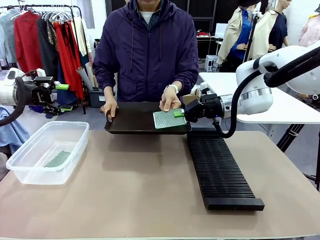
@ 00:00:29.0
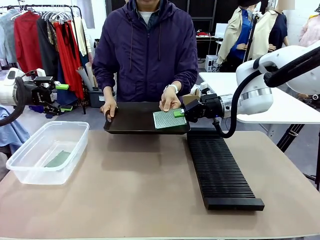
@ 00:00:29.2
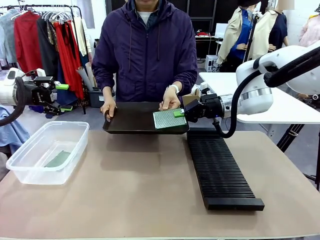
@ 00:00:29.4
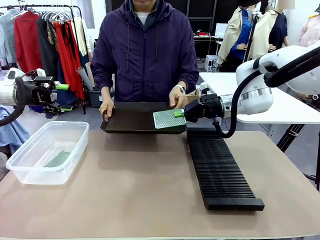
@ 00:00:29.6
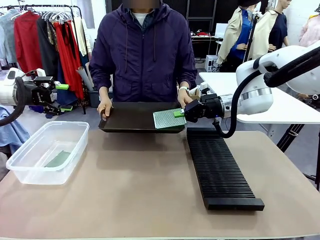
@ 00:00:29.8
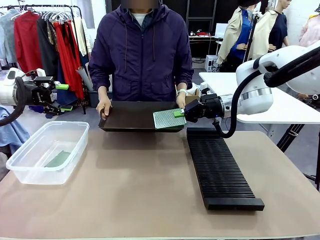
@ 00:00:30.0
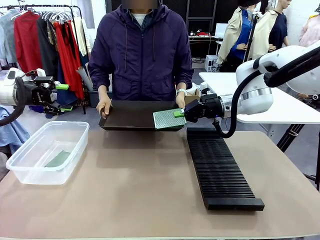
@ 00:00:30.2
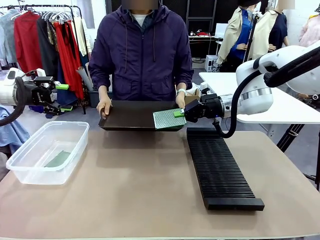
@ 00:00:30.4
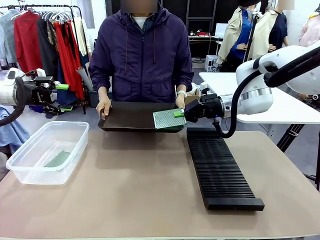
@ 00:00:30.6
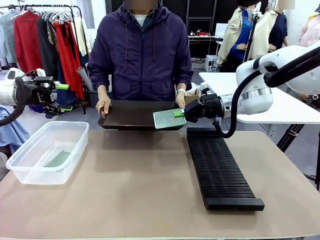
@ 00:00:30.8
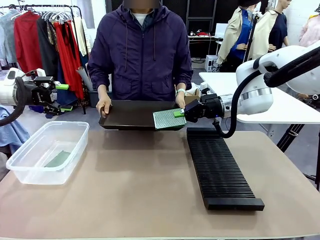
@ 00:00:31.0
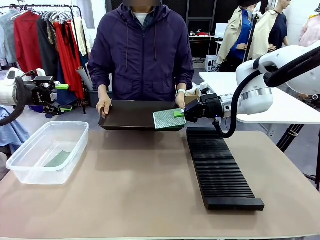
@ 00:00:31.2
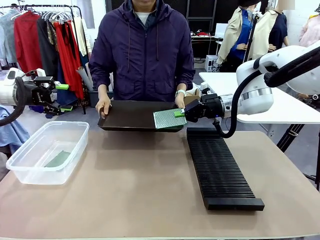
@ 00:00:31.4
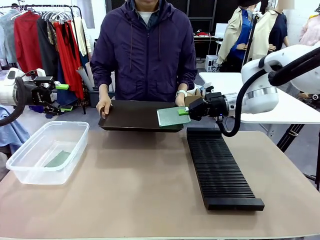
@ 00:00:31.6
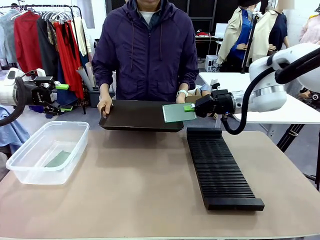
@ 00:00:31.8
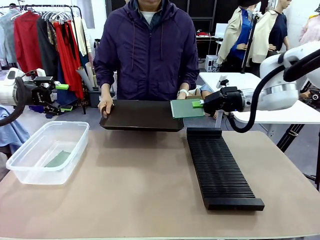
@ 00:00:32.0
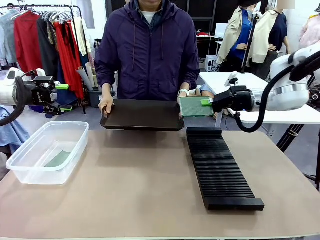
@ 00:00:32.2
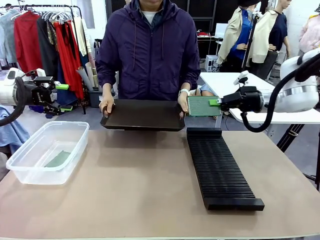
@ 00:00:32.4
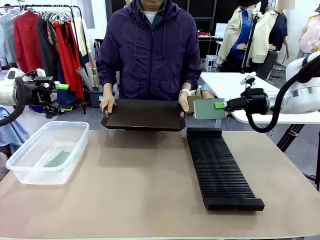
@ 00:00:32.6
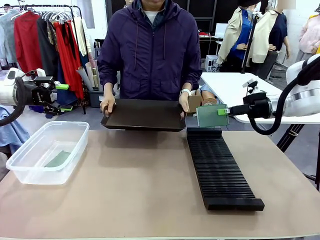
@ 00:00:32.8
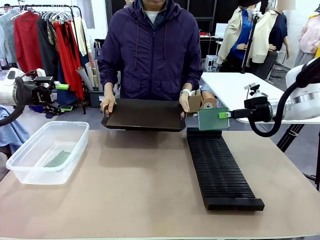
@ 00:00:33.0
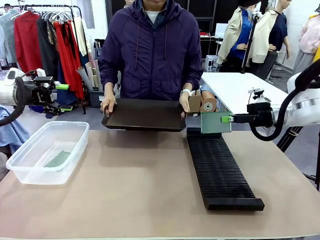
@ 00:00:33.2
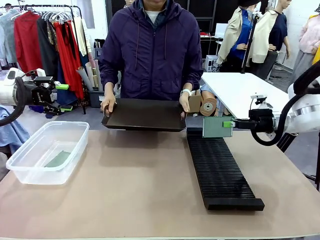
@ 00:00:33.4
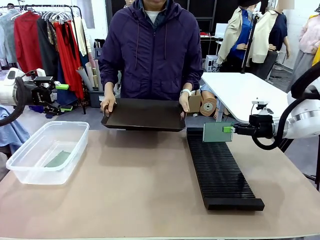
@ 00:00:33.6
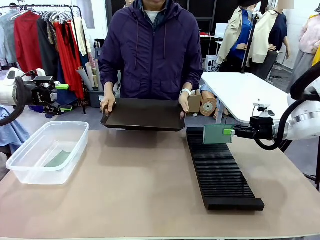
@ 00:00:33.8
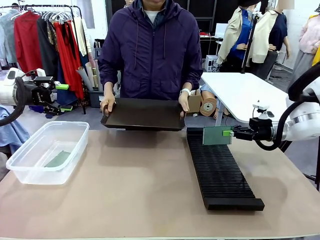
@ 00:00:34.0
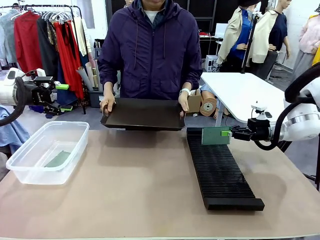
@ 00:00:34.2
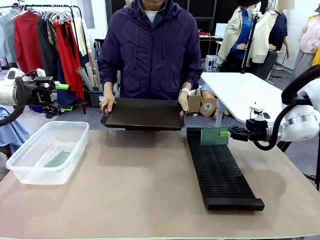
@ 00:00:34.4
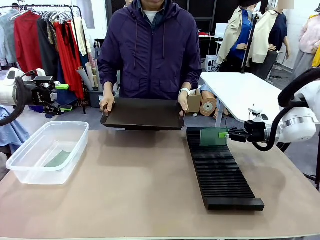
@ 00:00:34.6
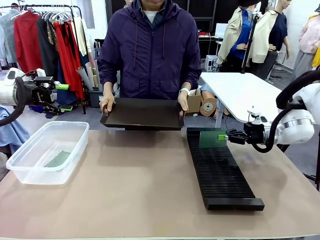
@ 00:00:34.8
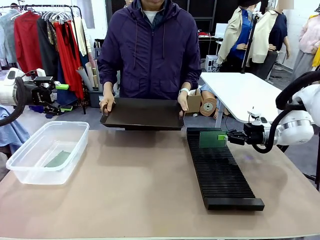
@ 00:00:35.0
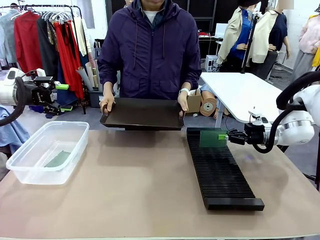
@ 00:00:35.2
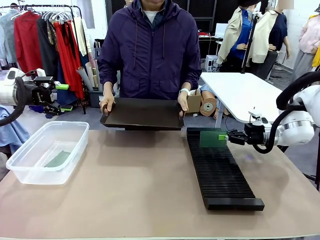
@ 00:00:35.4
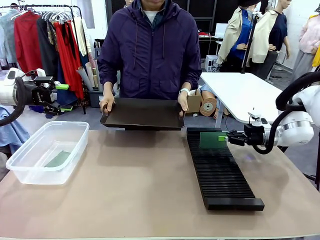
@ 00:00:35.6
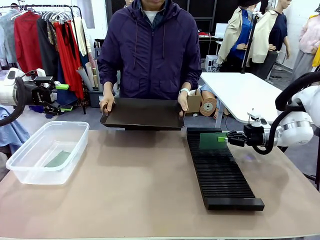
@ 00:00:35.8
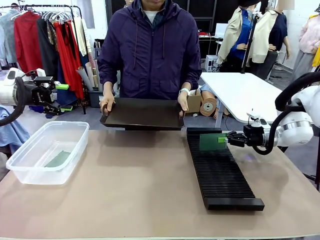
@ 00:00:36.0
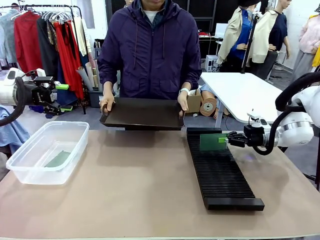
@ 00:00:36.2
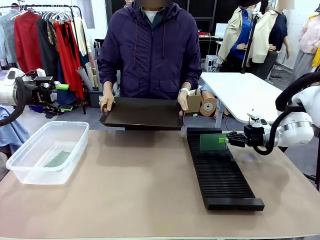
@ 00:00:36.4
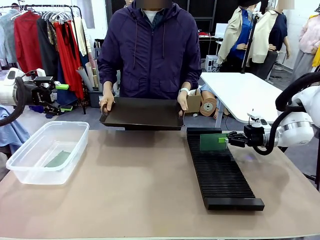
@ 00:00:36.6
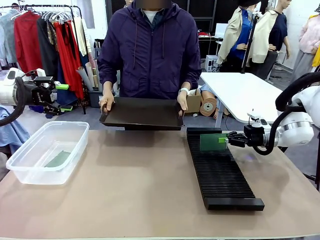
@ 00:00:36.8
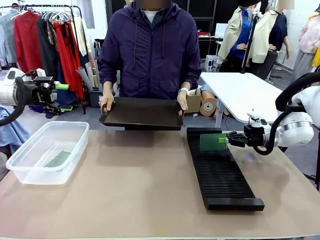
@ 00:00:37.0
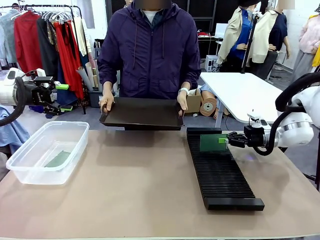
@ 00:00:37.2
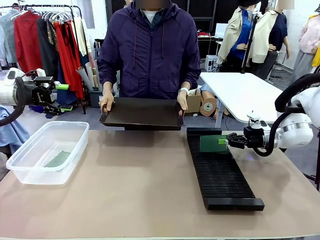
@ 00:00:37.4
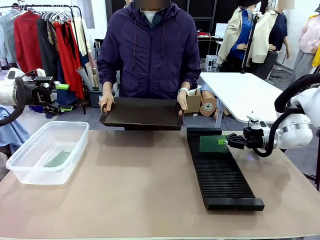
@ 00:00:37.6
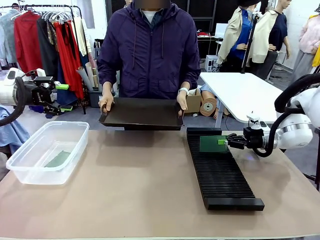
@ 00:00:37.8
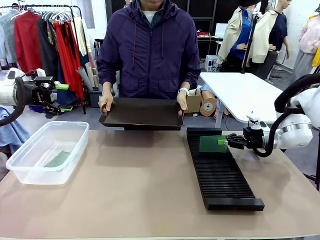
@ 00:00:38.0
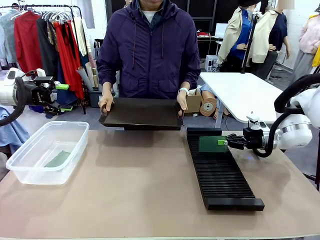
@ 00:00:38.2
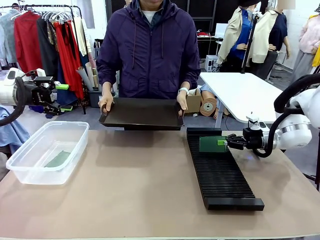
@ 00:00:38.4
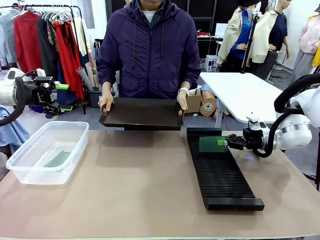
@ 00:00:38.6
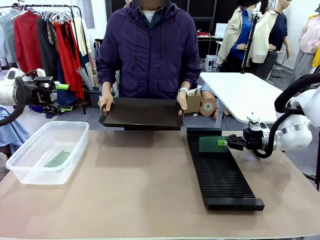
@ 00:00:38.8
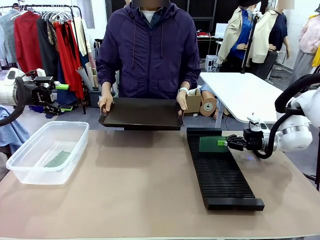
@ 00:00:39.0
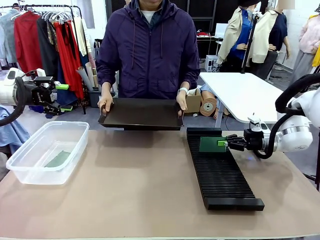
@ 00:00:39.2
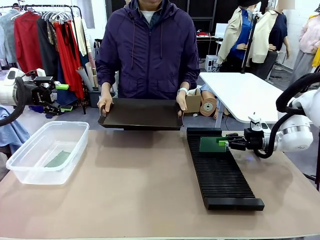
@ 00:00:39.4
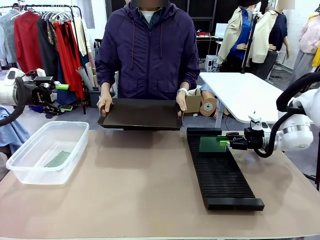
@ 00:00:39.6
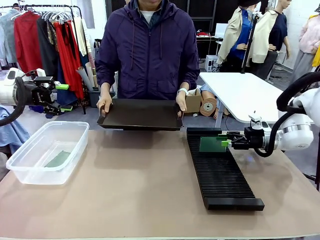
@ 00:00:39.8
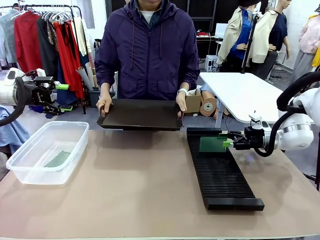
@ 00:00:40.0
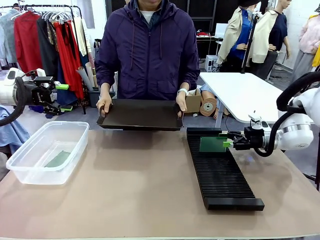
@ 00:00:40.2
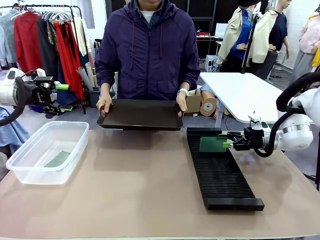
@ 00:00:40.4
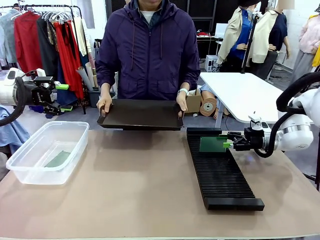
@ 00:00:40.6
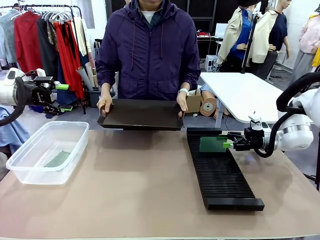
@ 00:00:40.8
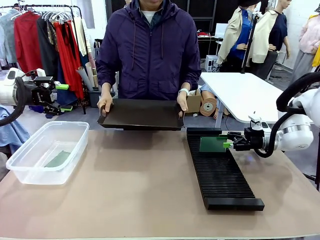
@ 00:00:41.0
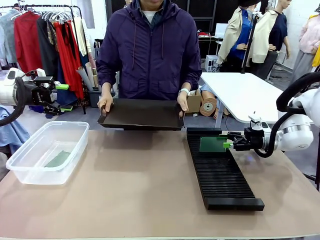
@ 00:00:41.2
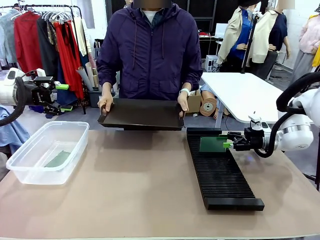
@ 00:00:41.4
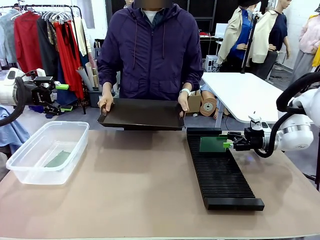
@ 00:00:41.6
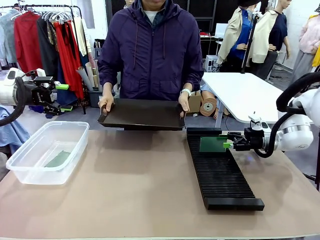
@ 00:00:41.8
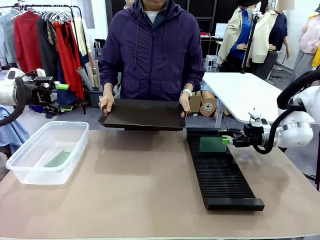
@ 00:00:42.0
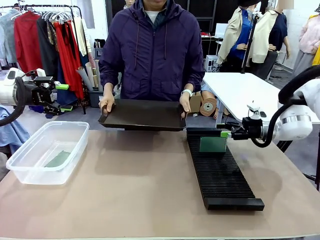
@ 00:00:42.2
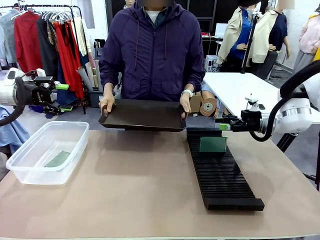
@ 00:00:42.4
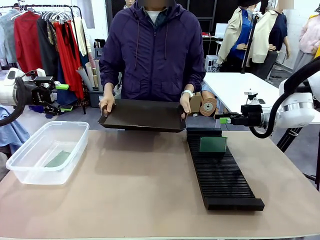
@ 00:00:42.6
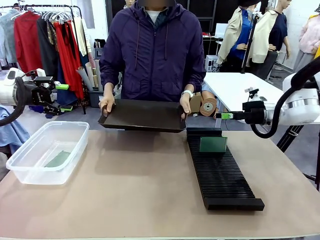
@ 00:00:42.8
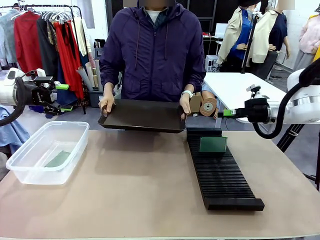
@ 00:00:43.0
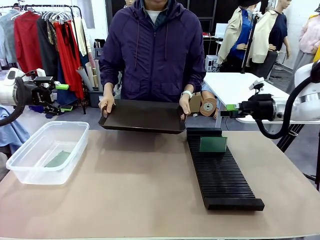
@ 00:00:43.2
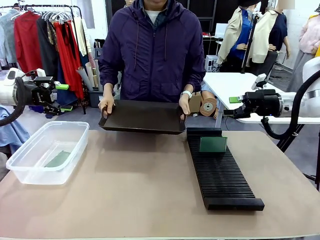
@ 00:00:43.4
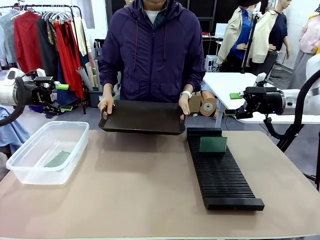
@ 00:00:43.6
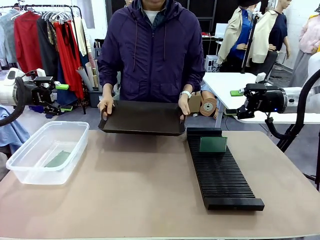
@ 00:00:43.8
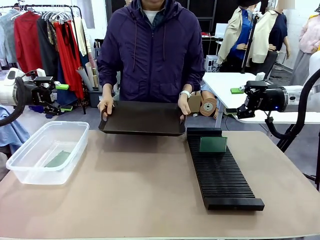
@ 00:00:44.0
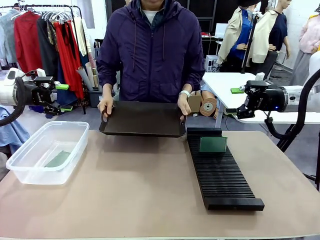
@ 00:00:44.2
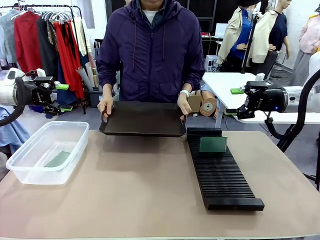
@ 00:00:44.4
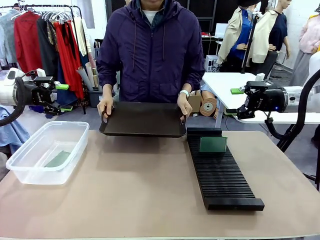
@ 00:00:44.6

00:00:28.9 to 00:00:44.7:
Task: Sort PCBs into racks and boxes based on the side picked up.
Robot: If the short side of the Blank PCB is picked up, insert it into the PCB Rack ; if the long side is picked up, place it in the Organizing box.
Person: Release the PCB being held.
